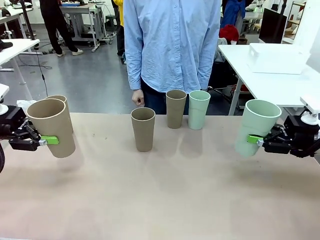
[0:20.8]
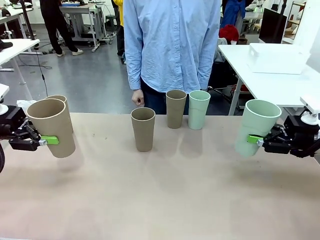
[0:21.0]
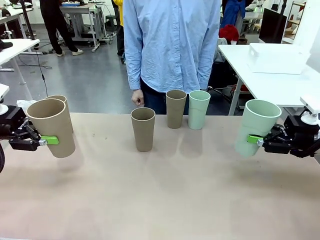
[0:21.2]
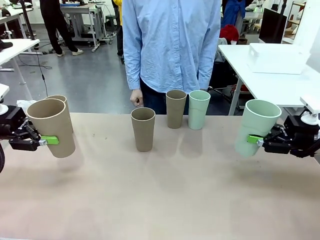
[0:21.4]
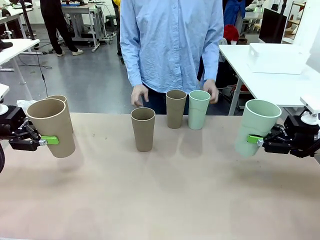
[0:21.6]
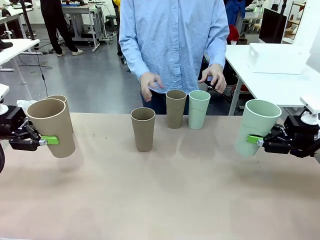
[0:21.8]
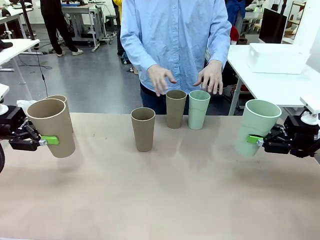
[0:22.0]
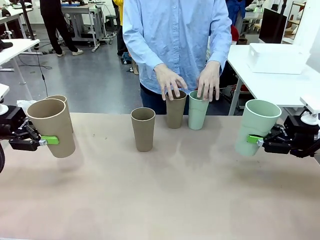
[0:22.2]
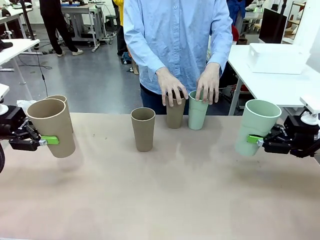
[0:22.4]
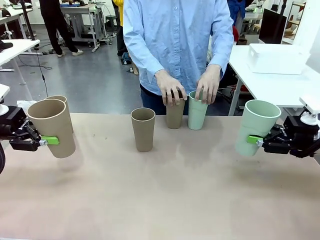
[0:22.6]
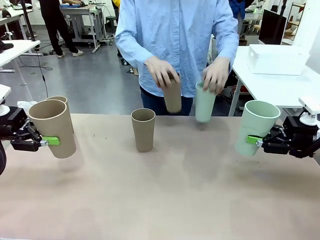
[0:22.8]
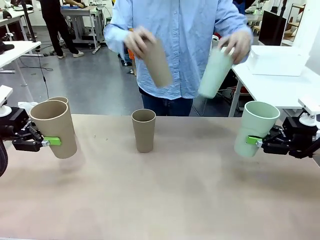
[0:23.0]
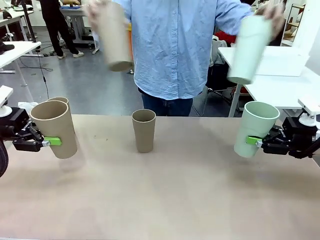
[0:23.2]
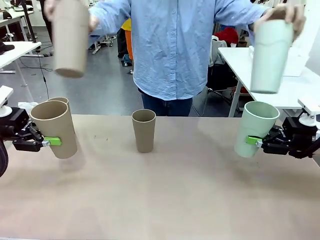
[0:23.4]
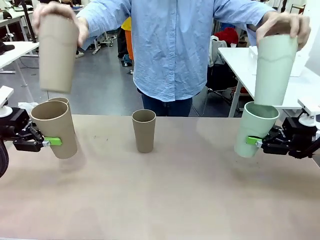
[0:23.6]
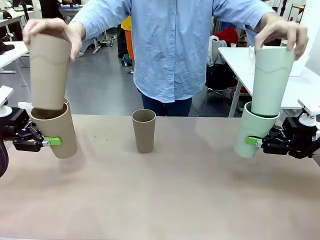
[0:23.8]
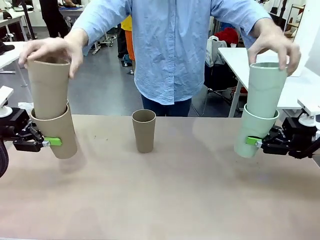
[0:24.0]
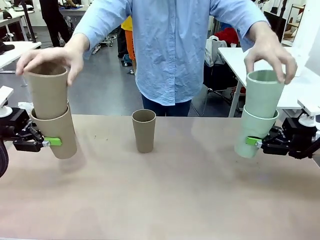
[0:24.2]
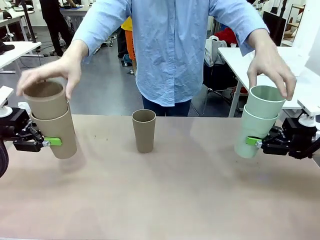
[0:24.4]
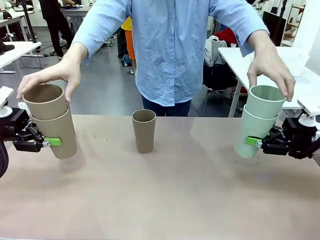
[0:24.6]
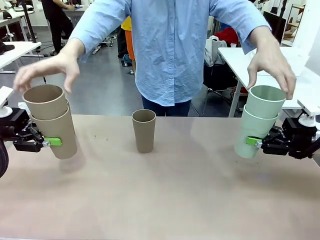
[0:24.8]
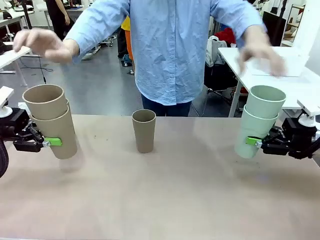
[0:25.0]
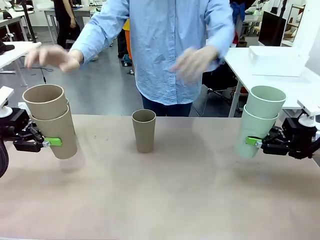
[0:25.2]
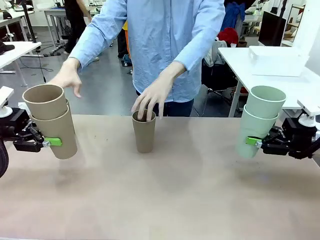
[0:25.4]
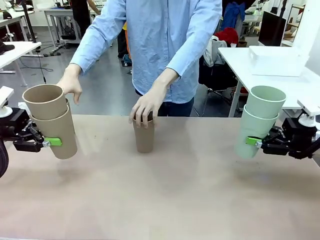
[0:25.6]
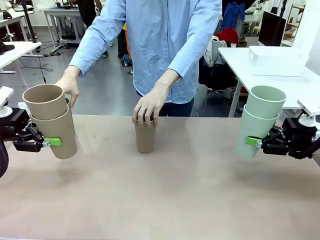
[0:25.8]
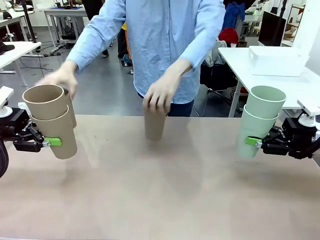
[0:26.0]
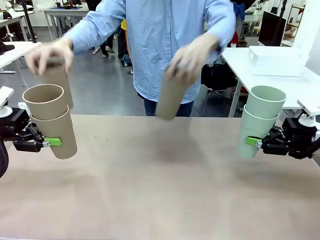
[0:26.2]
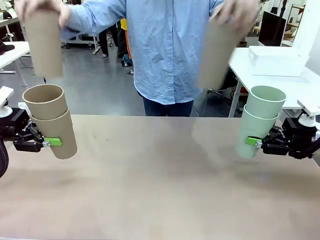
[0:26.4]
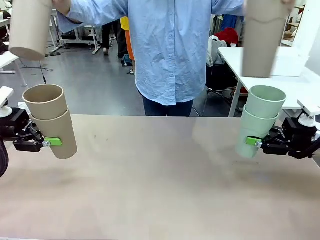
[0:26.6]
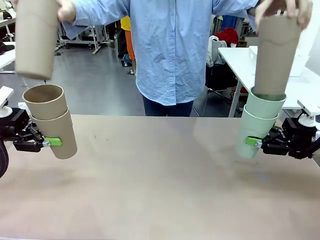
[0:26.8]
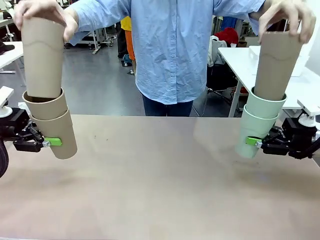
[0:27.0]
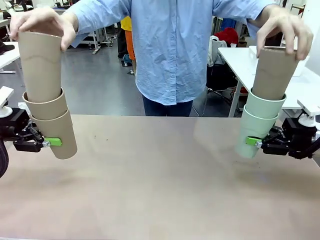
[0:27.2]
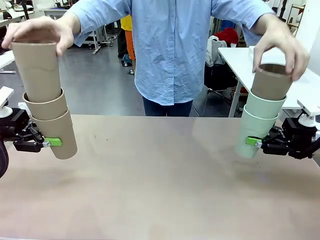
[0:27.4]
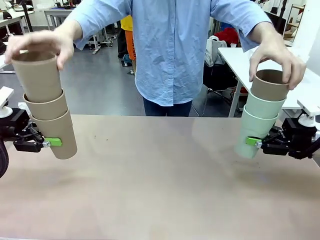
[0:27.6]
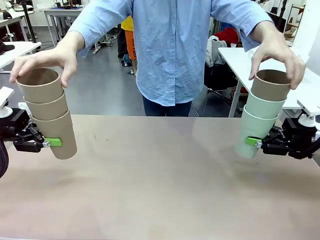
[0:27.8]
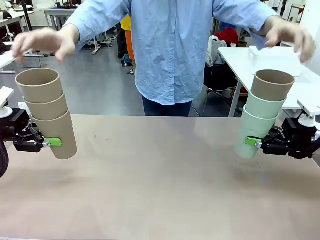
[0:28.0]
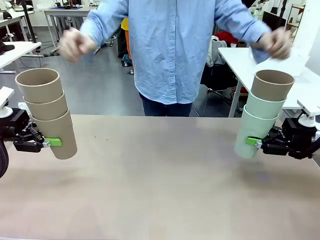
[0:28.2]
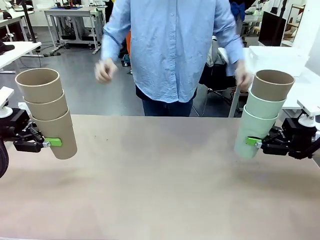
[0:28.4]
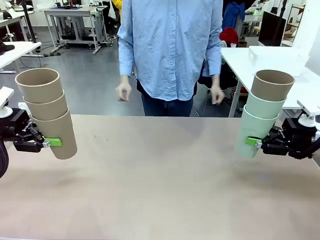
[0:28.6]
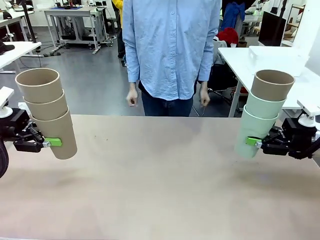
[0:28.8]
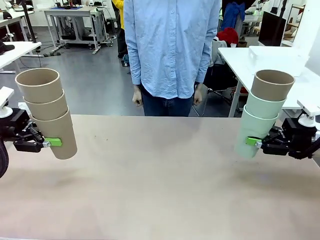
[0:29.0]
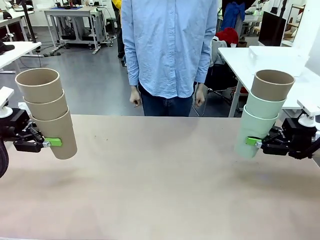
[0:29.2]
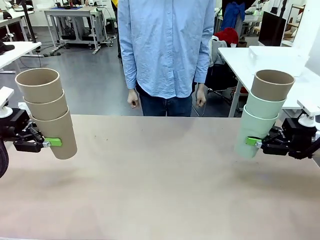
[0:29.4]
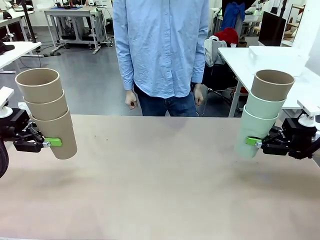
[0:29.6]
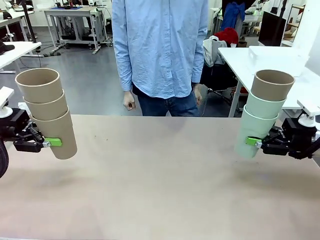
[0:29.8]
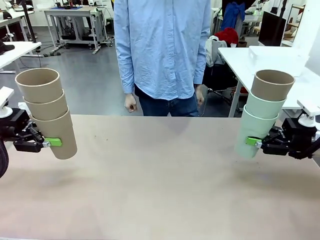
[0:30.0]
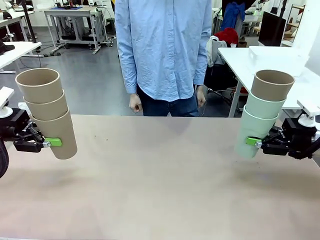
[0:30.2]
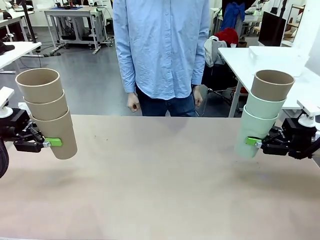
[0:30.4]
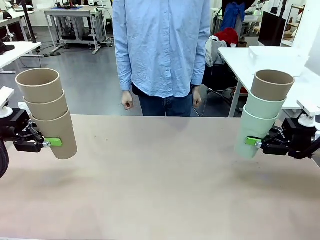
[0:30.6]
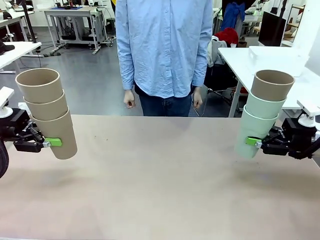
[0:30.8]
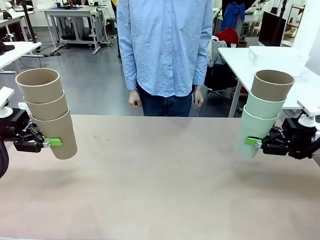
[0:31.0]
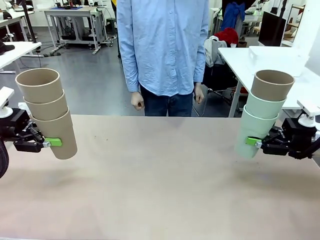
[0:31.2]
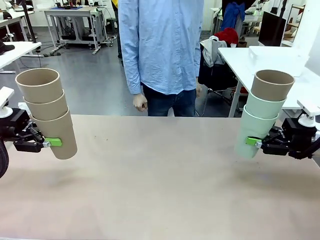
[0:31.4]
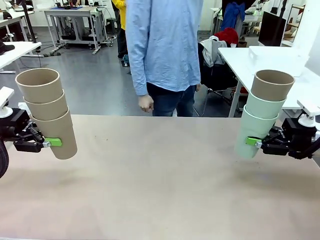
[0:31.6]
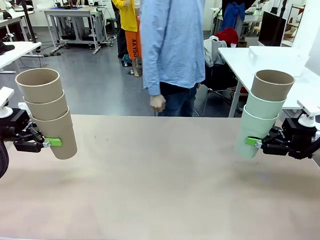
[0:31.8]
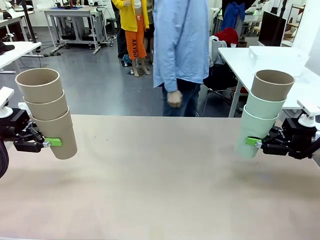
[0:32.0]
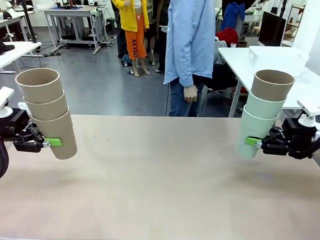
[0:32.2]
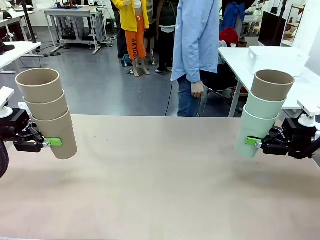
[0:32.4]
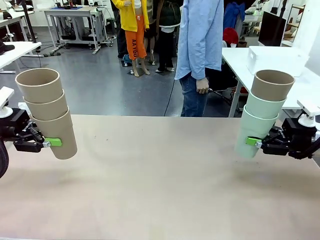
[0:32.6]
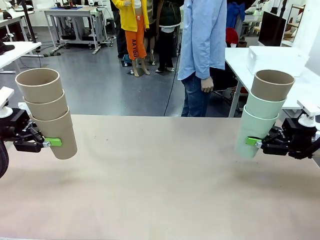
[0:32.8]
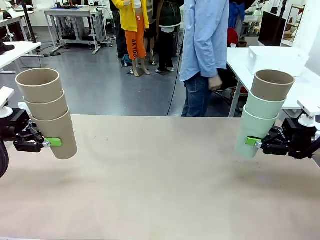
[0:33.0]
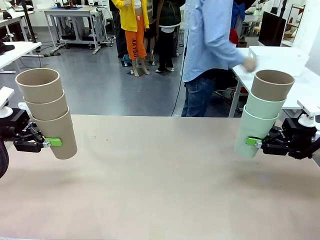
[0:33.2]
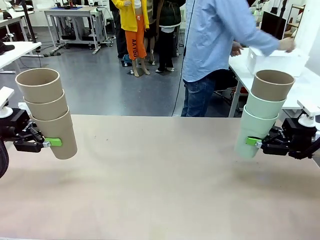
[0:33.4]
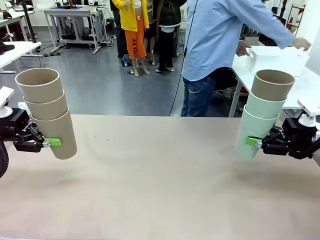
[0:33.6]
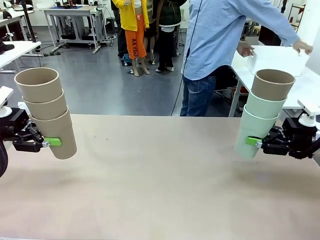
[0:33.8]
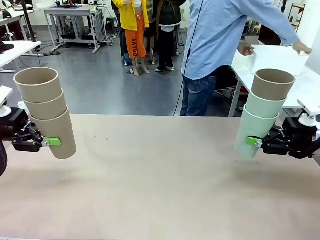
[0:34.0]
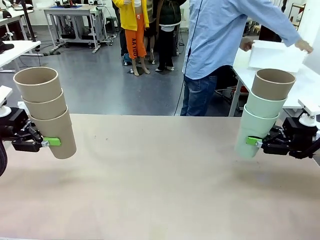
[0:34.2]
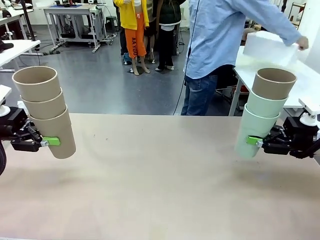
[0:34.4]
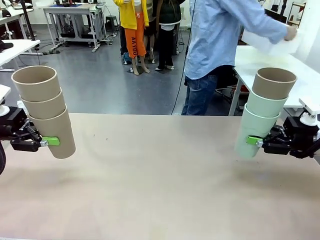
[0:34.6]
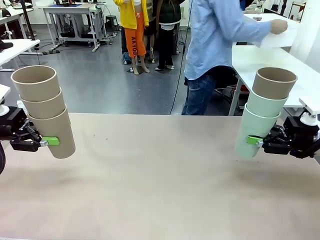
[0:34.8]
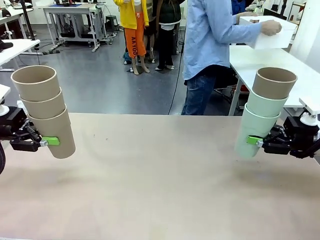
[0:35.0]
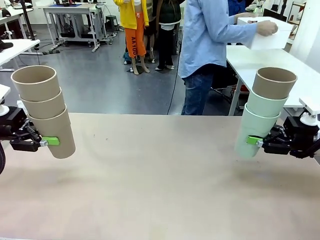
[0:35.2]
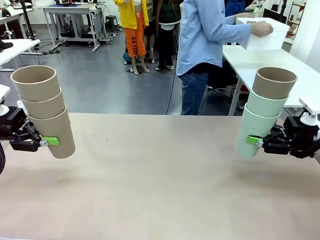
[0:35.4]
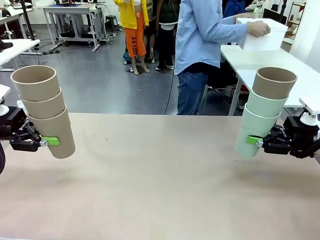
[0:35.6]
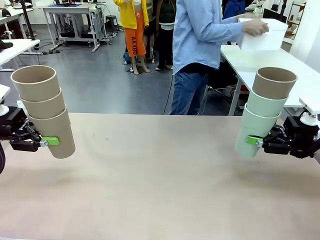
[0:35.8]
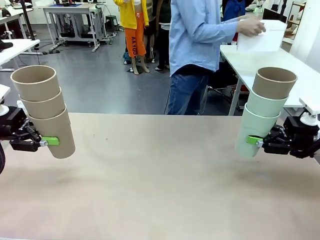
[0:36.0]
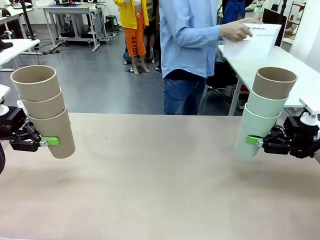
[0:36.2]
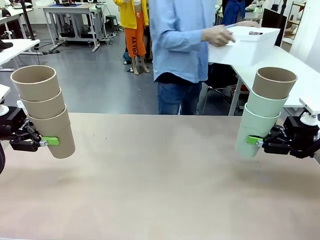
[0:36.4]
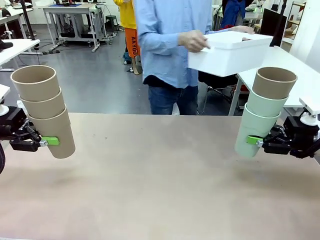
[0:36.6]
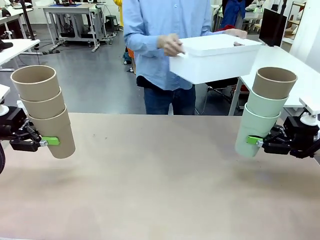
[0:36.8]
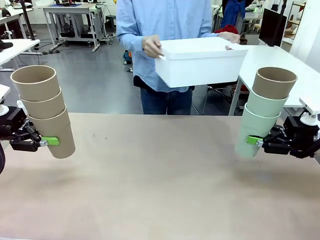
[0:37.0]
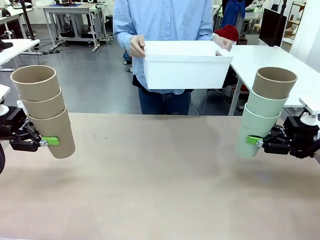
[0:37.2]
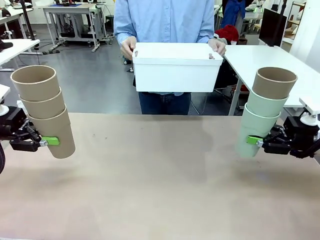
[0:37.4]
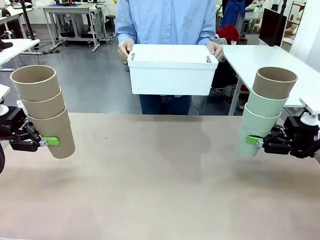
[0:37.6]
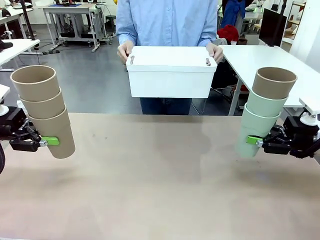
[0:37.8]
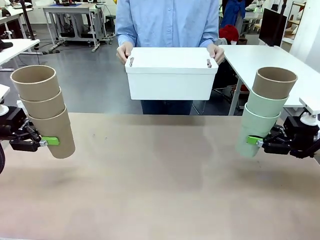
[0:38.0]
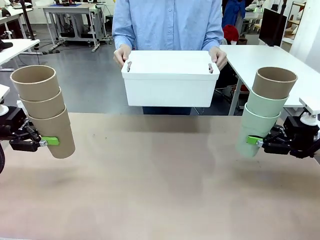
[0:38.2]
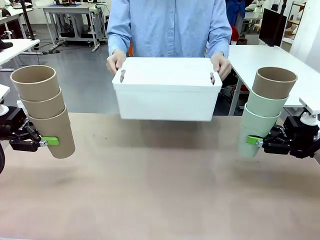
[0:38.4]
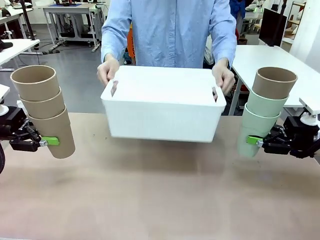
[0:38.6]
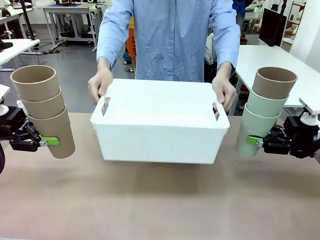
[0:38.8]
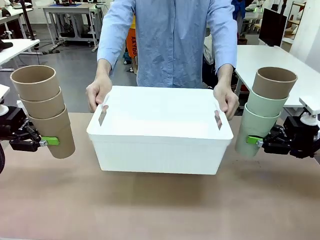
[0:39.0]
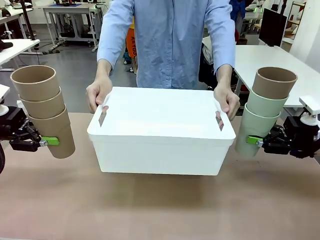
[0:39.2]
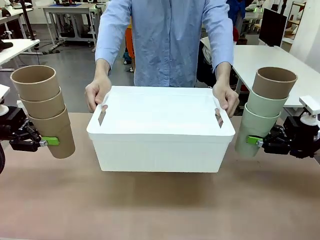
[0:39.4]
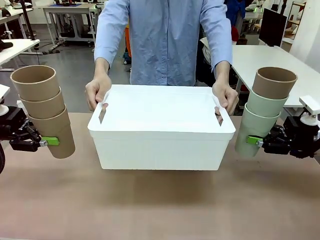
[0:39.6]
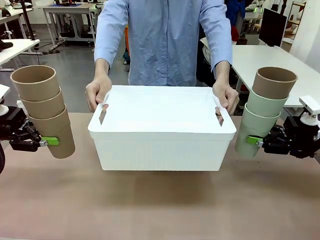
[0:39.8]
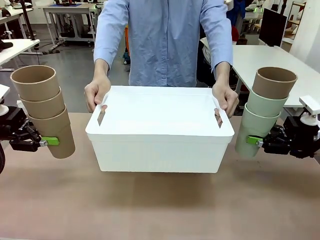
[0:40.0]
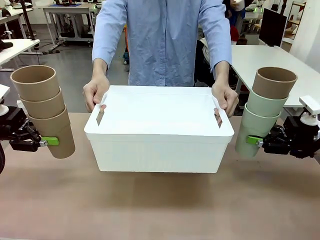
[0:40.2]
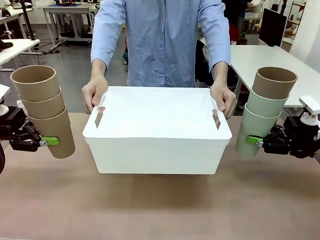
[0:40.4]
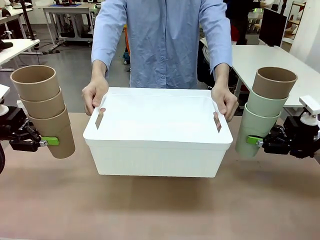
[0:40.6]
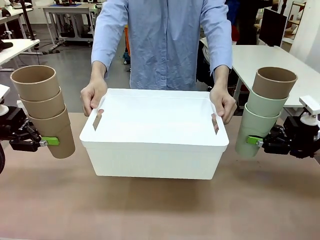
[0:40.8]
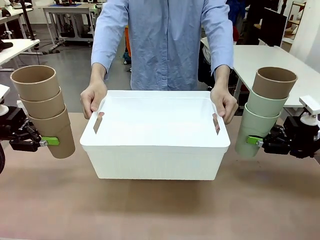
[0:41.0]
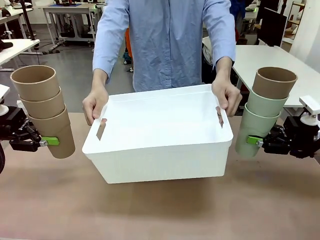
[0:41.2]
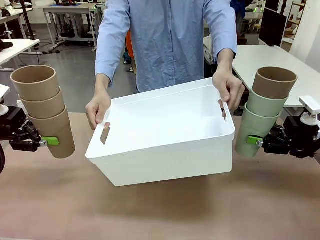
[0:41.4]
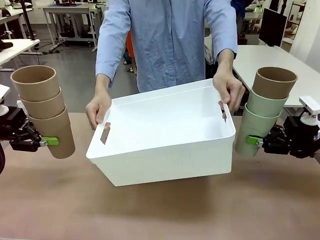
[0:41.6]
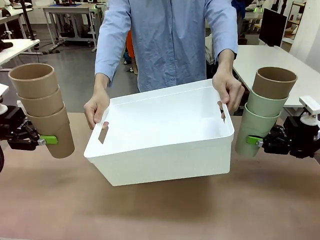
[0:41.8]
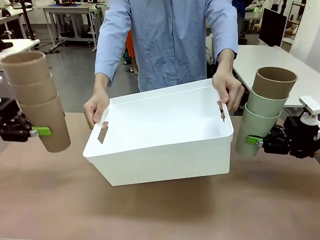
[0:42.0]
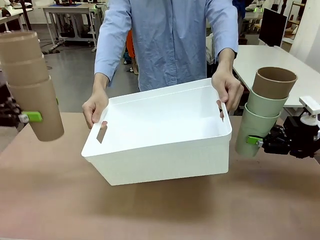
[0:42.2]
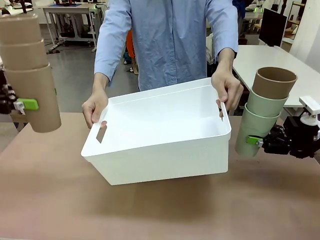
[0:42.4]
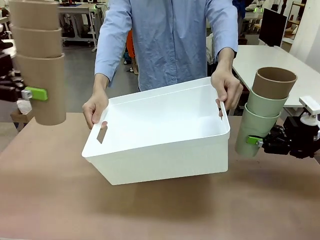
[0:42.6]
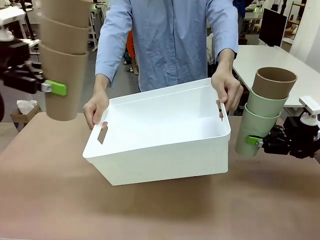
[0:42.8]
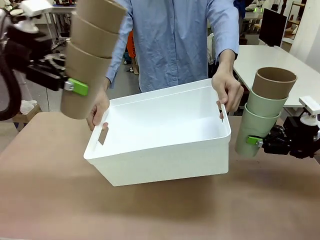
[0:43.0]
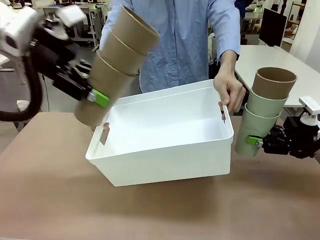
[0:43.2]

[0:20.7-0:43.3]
Task: Stack the cups and store them in the basket.
Robot: Place the stack of Reusable plastic cups into the Pantry Basket.
Person: Pick up the basket from the Human Table, bring it to the front of the robot, and present it.
